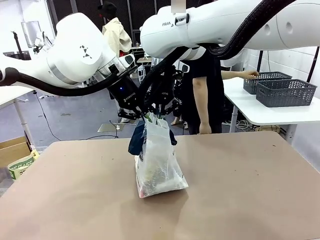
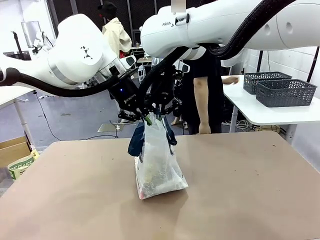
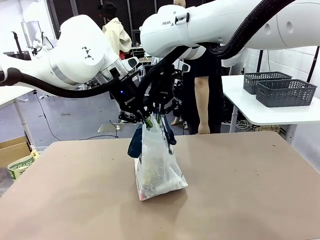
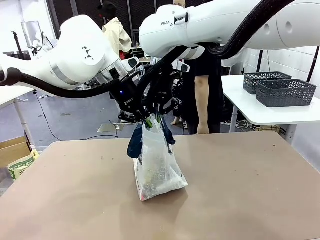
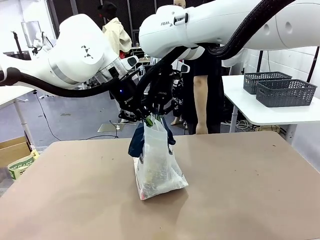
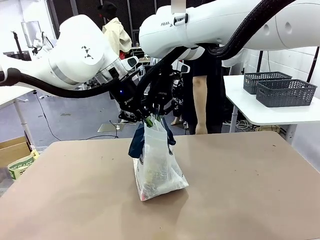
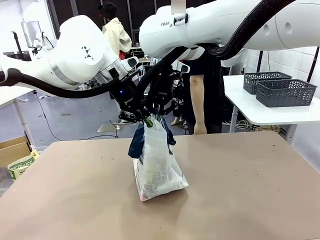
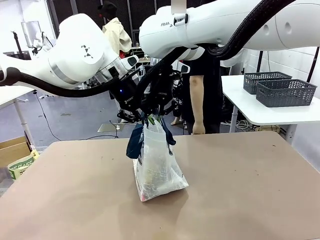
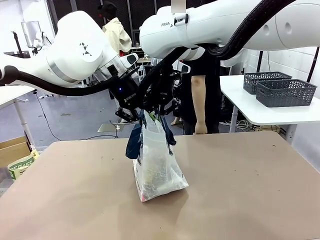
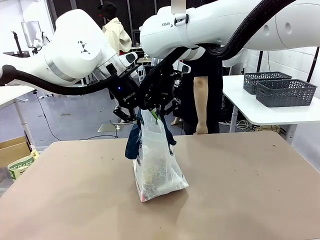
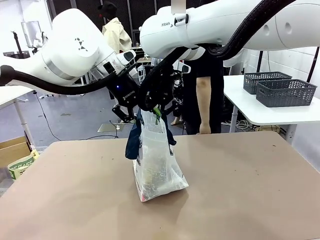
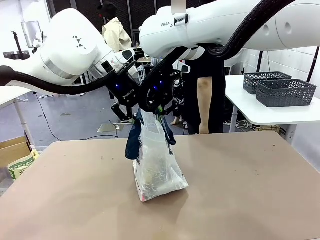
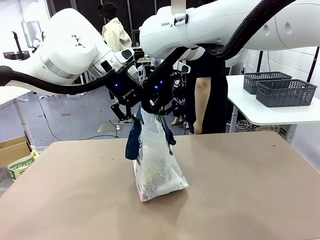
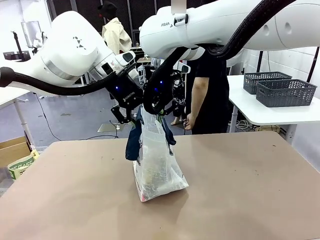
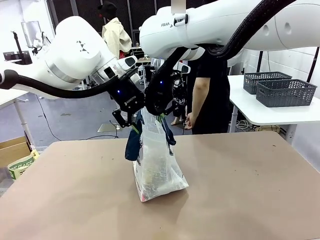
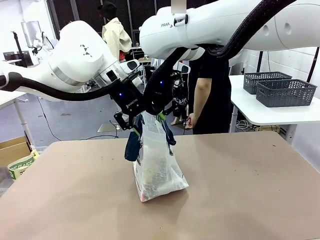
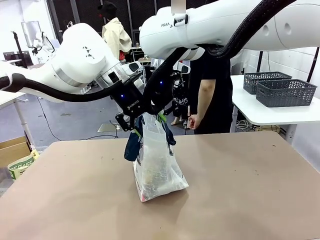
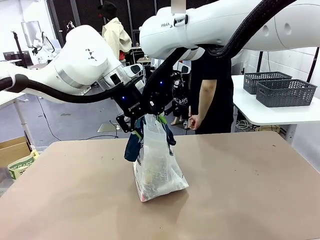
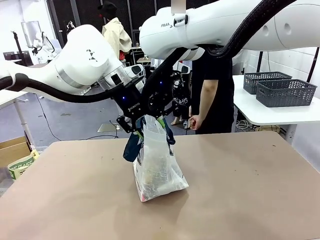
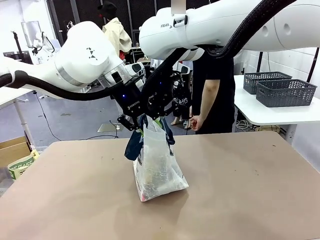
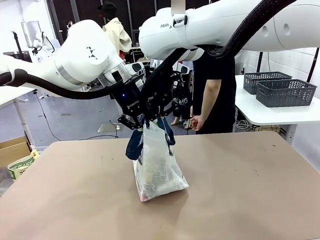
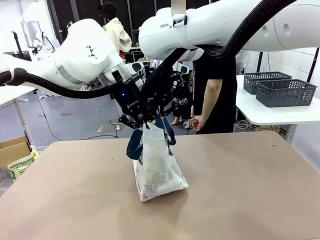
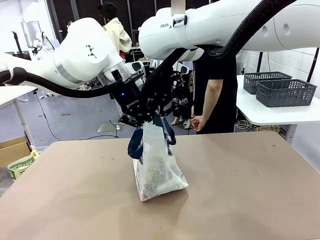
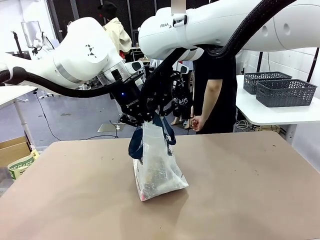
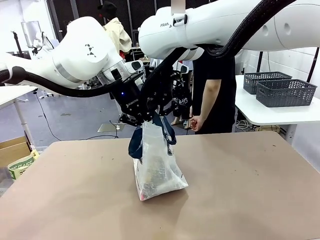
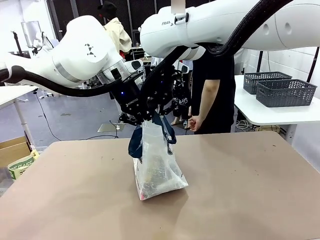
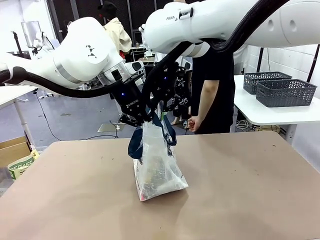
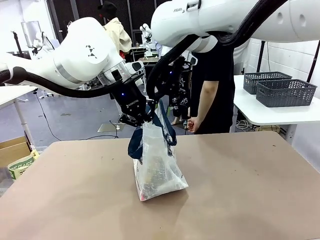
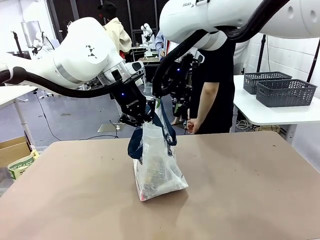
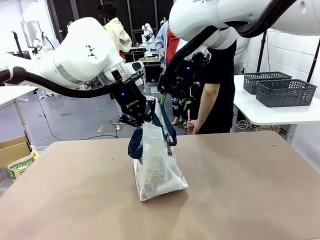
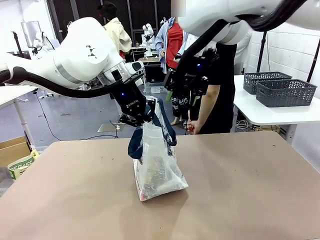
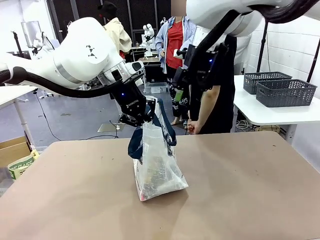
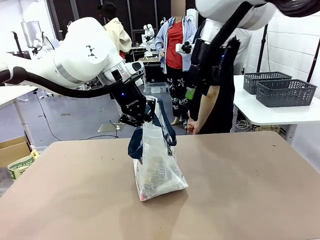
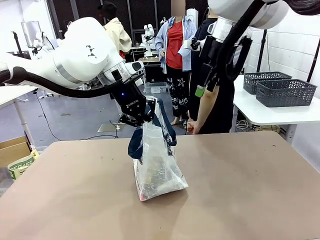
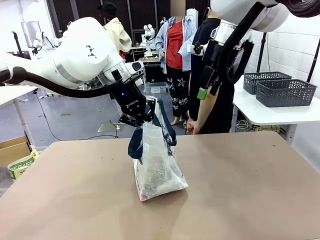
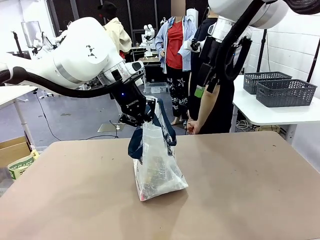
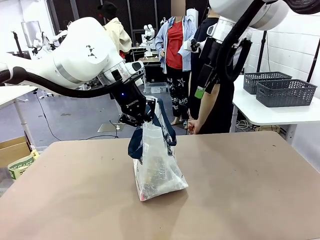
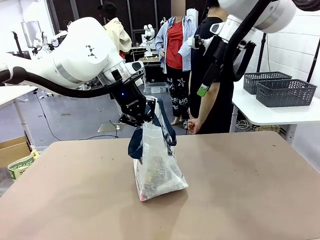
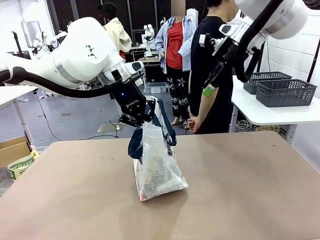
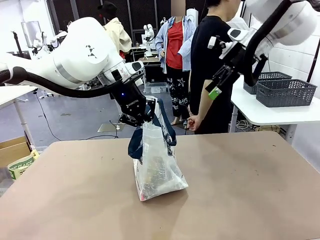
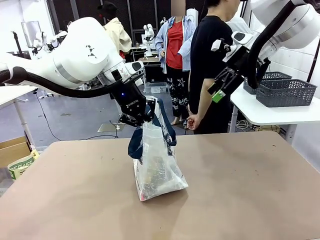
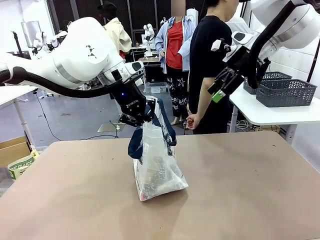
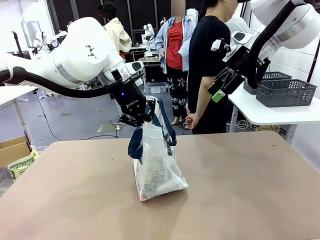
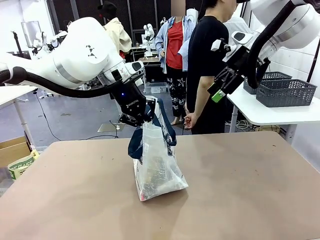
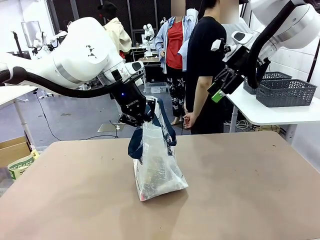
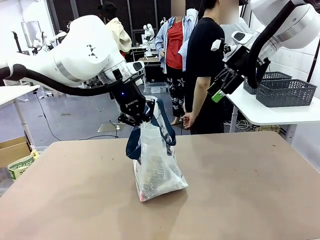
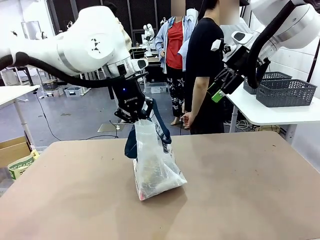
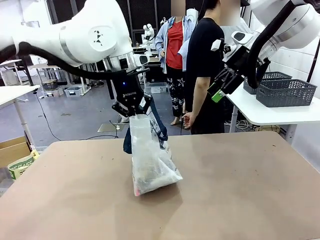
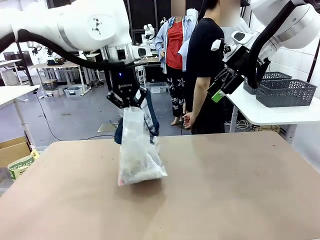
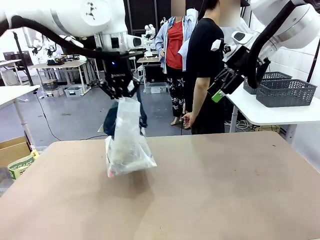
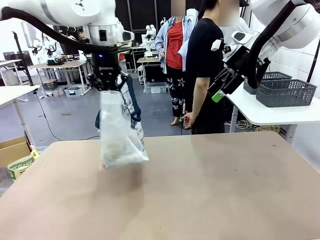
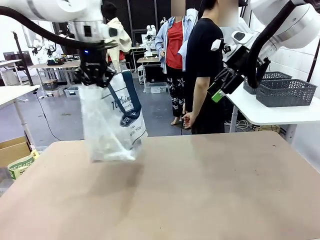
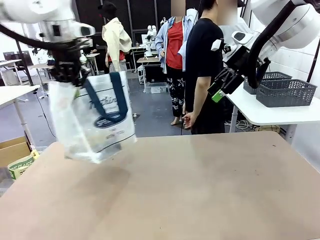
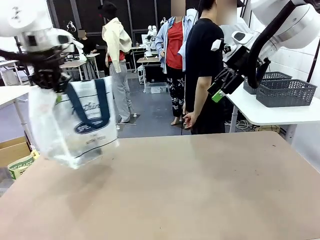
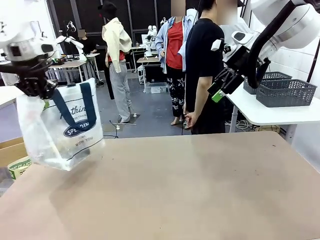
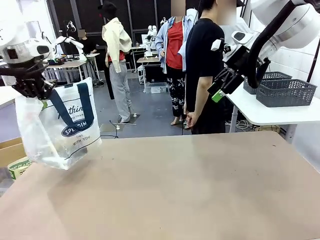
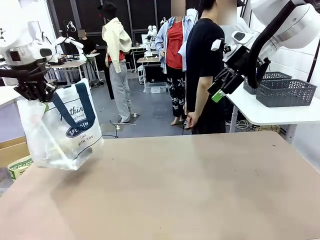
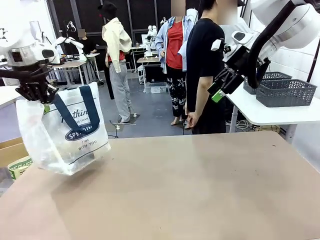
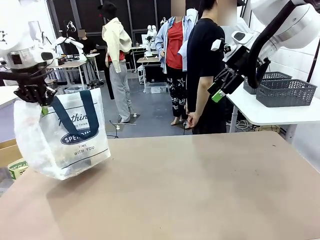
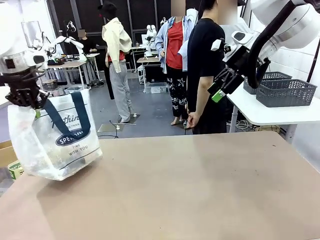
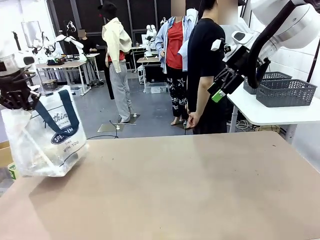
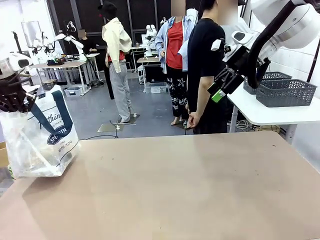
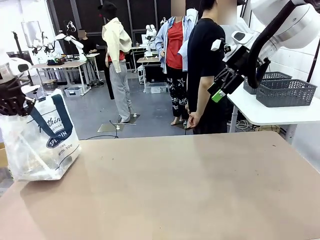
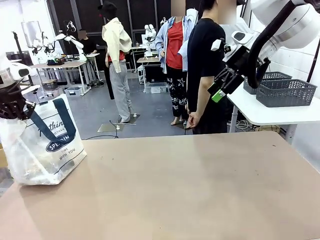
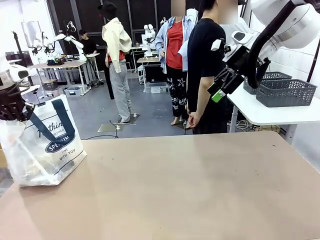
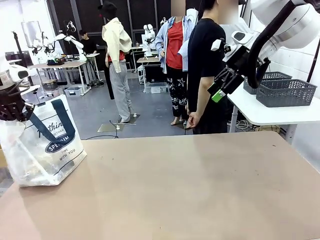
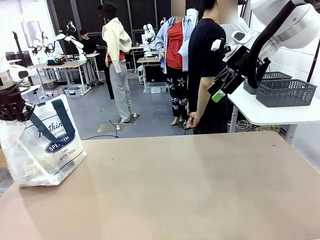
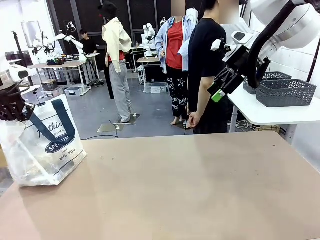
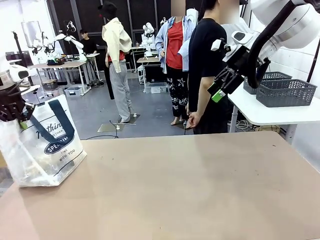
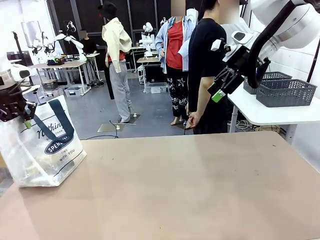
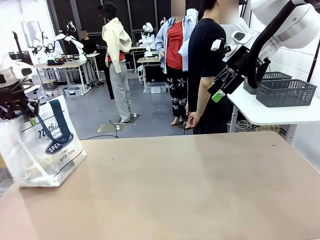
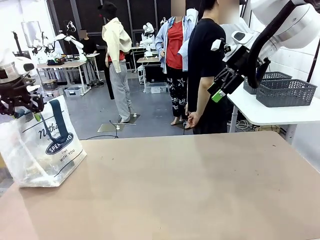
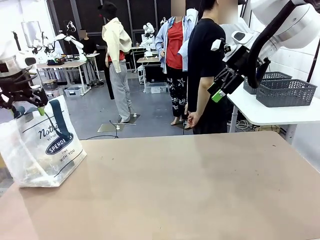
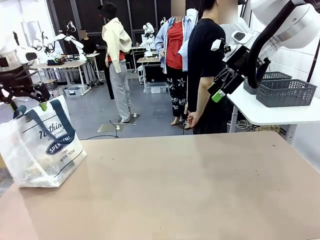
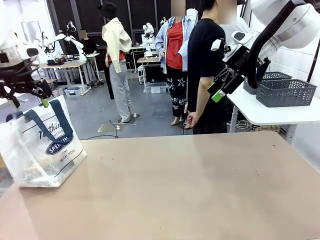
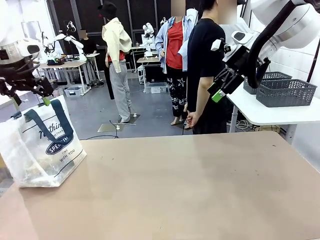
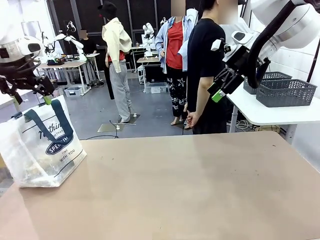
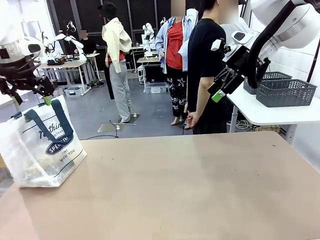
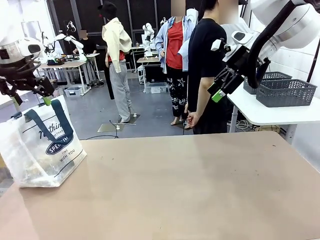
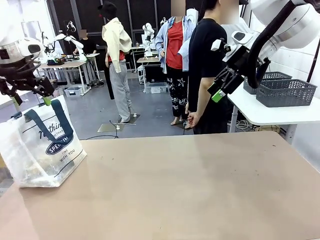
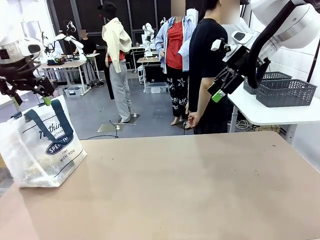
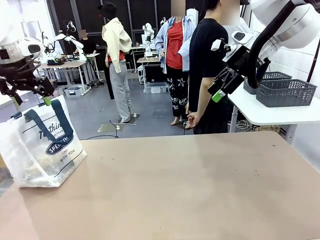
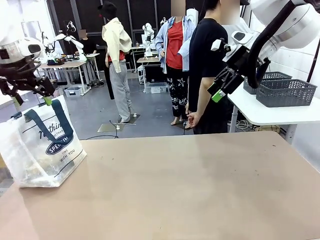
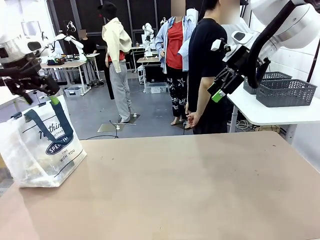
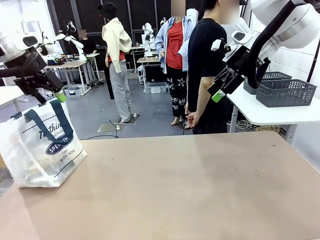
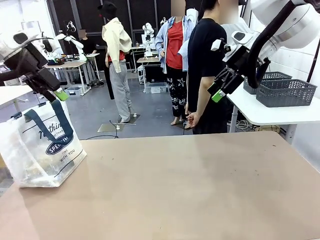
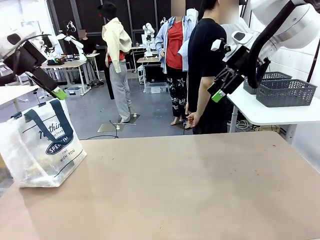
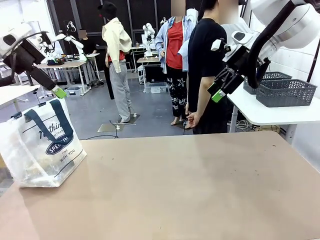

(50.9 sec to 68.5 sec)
Task: Transfer purchased items from the store into the shopping bag.
Robot: Move the Reusable shopping bag to the right side of the table.
Person: Move the basket on the left to the middle of the person's table.
